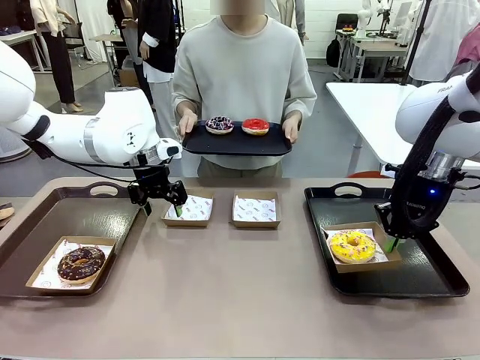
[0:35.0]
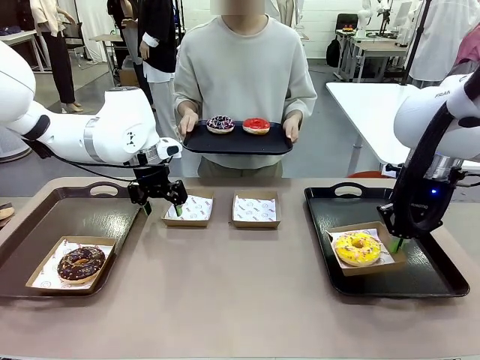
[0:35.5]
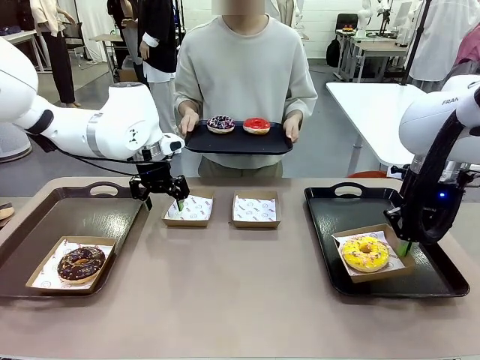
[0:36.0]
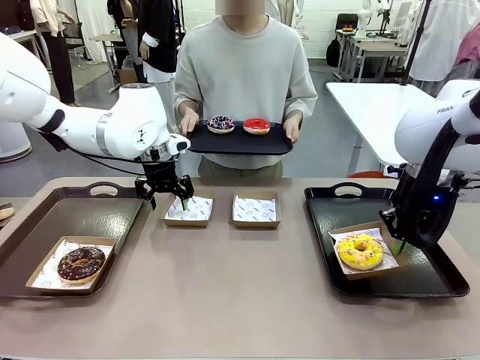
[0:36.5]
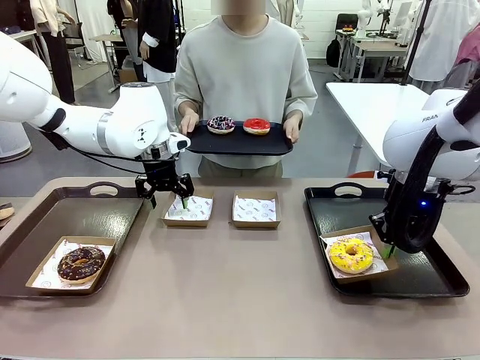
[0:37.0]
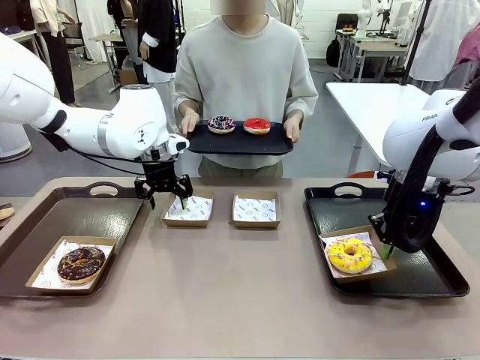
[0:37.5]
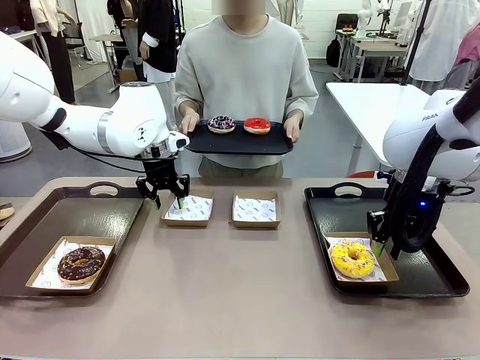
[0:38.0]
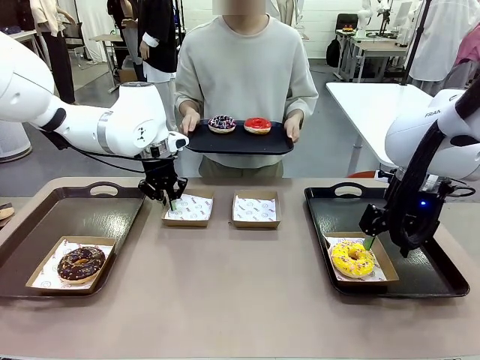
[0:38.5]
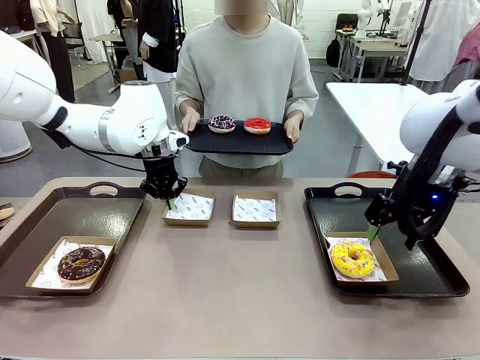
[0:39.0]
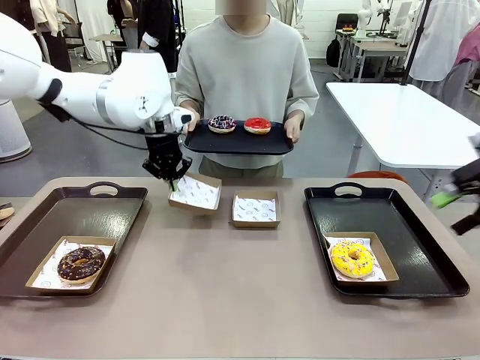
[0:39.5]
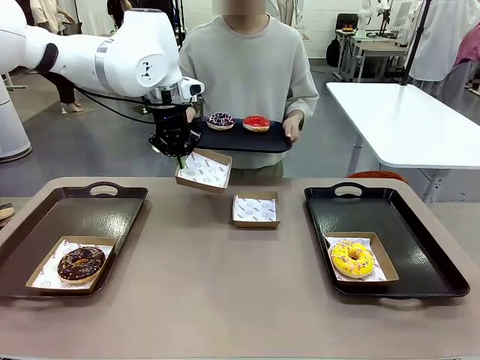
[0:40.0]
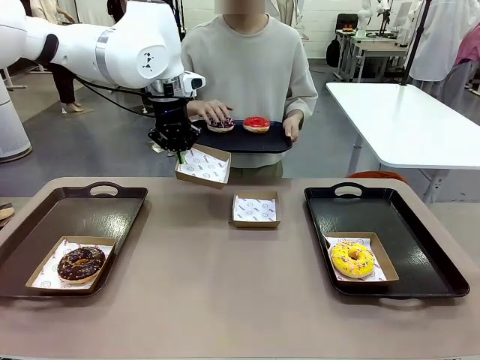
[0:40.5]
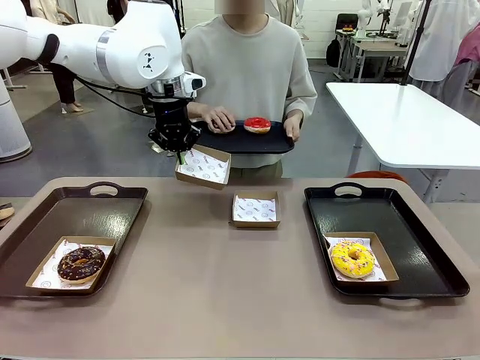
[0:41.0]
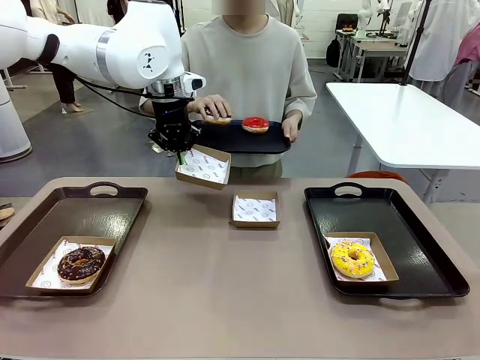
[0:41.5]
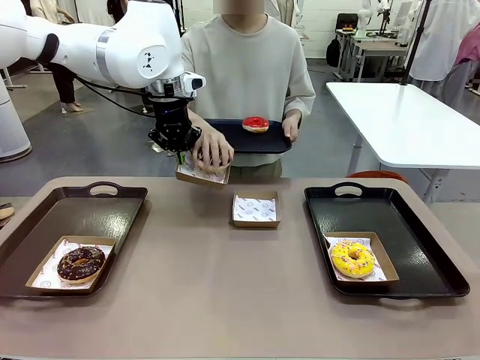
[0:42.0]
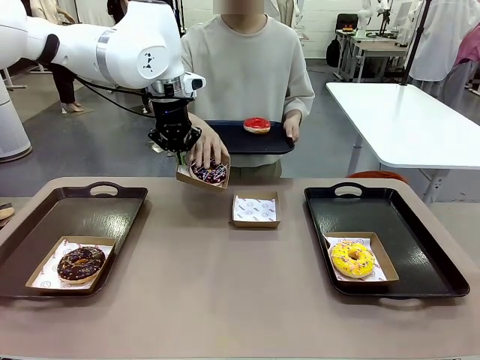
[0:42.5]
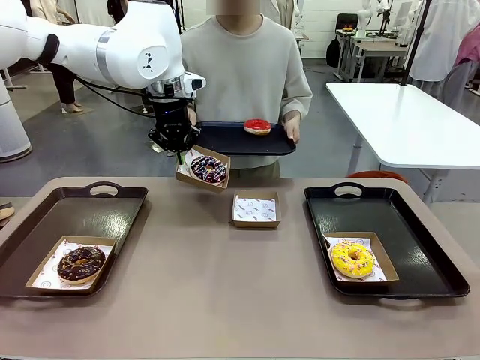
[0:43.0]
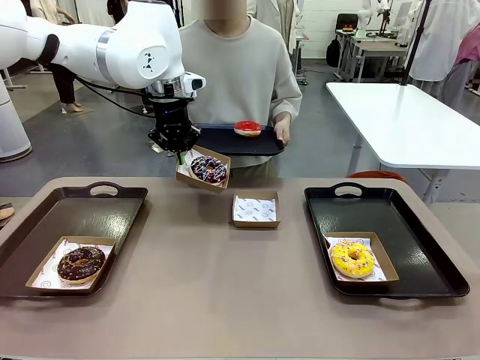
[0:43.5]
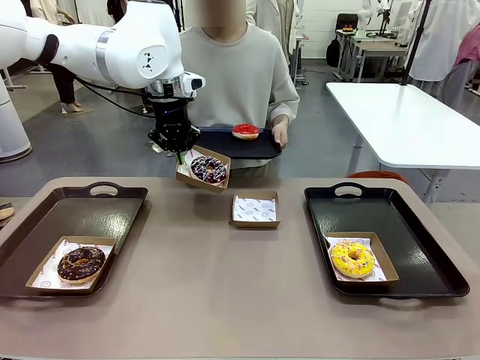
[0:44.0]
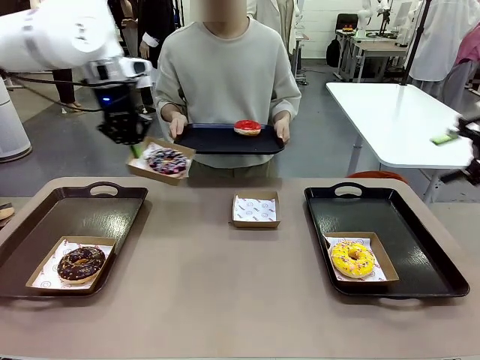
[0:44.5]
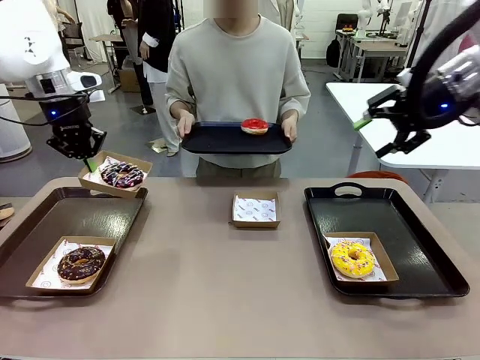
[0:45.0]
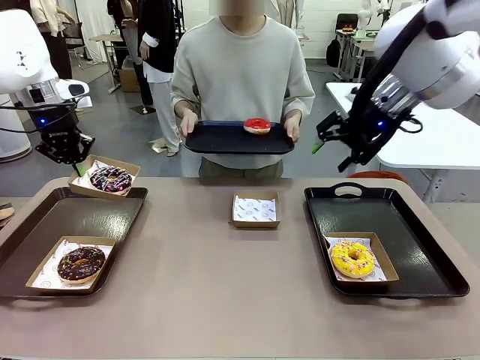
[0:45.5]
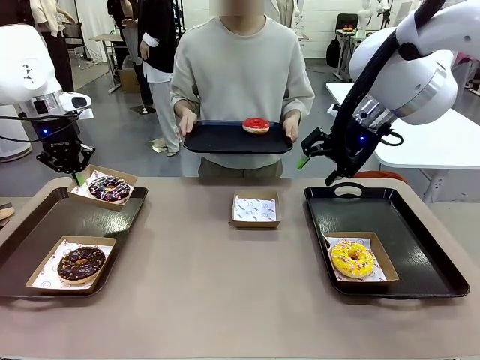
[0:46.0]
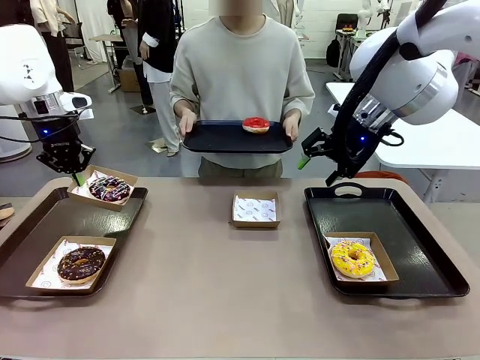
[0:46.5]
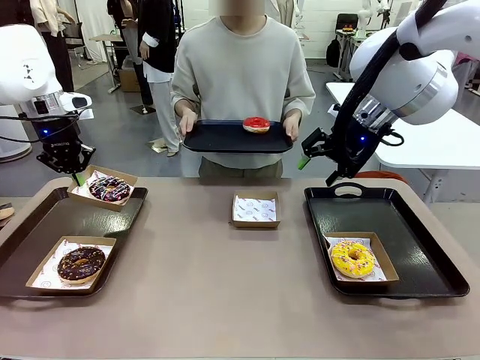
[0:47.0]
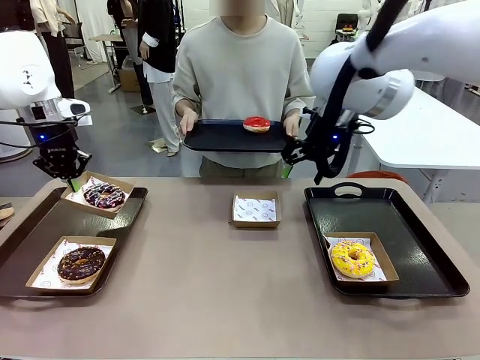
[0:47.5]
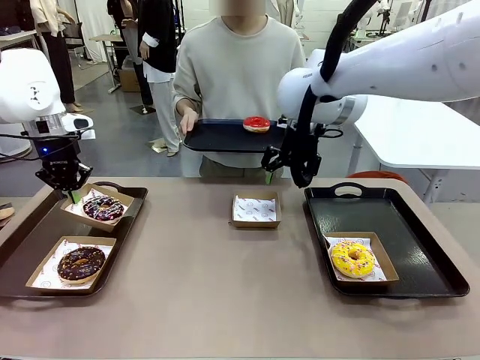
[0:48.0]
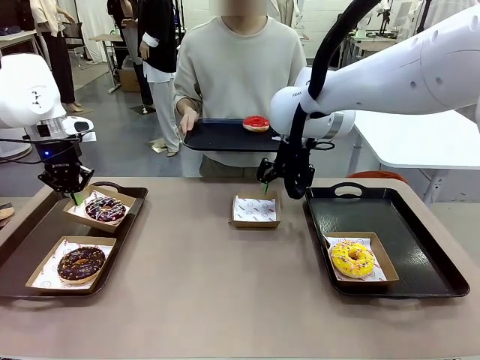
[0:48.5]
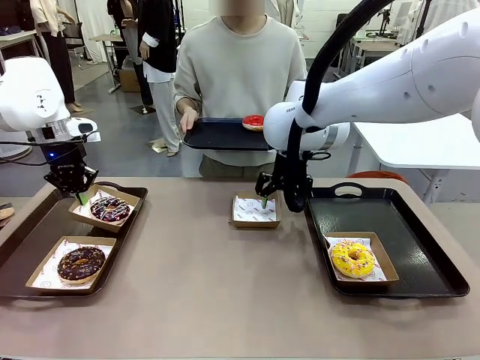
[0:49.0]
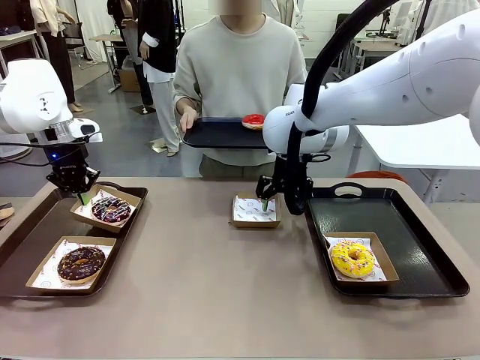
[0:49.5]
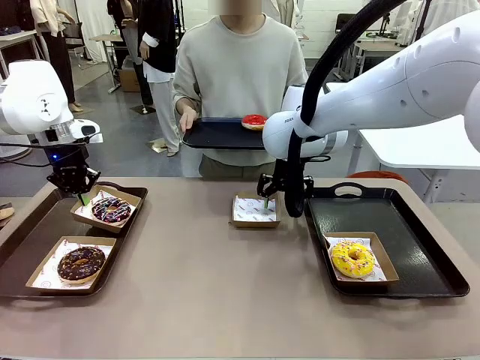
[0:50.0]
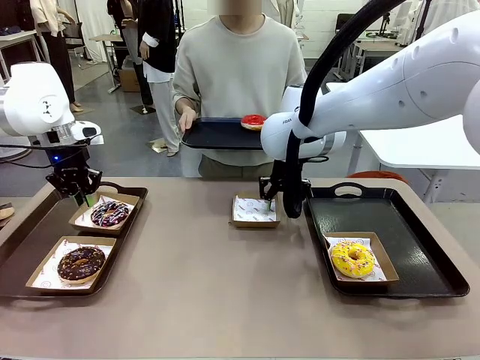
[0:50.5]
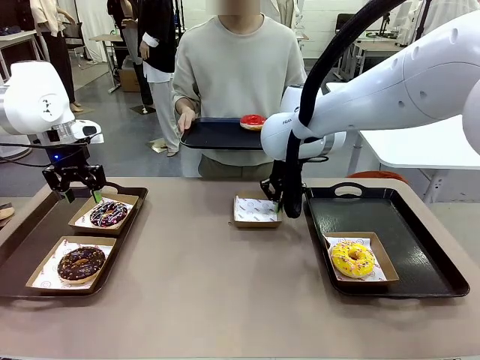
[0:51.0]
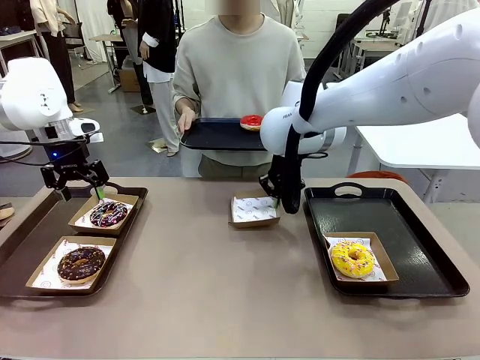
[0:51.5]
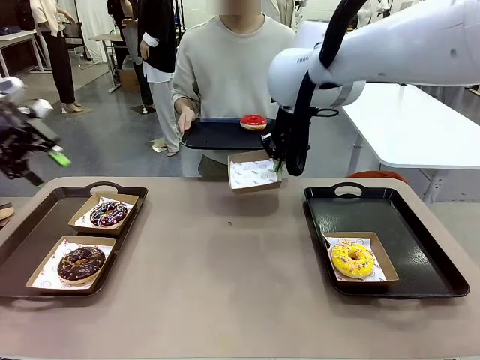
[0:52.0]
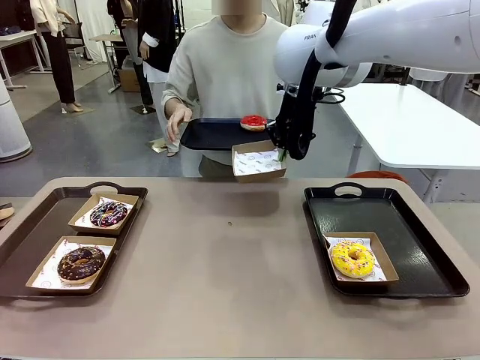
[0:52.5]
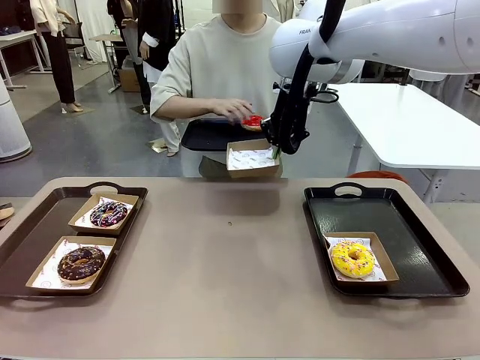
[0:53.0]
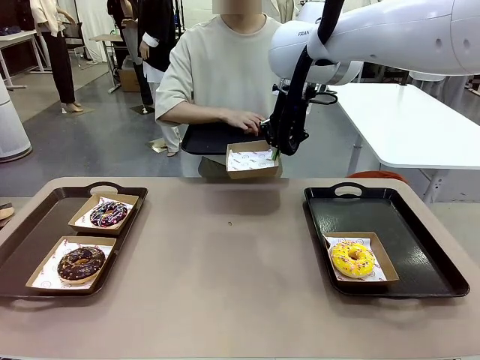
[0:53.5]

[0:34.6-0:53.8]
Task: Individually package the donuts and arrange them on the tray.
Robot: Place the picked Paper togo box on the Handle tray while simultaneously picking up another Paper togo box from the table with the other hand.

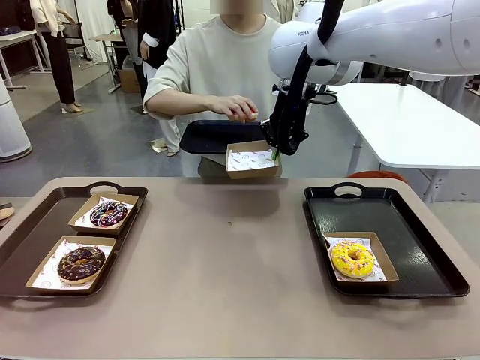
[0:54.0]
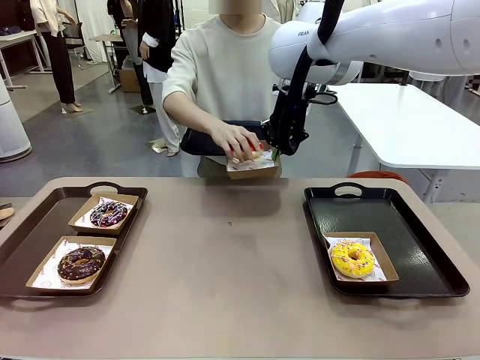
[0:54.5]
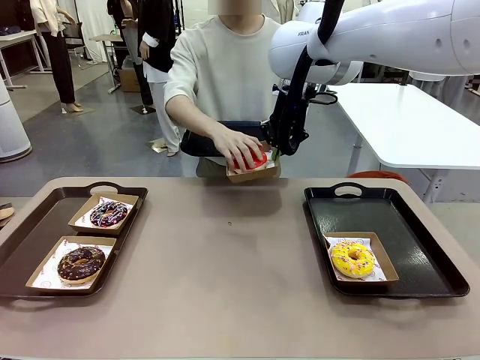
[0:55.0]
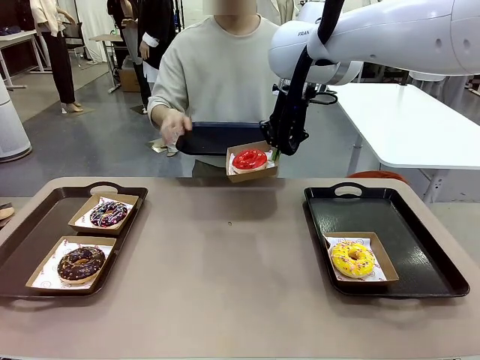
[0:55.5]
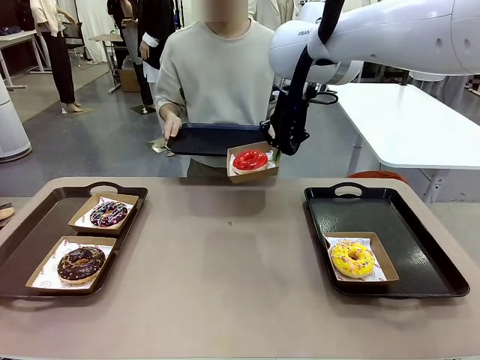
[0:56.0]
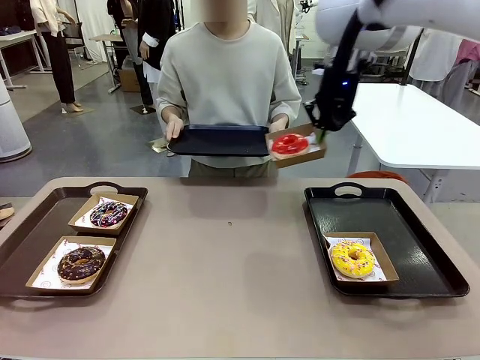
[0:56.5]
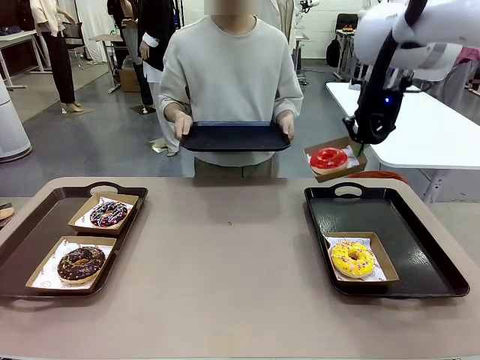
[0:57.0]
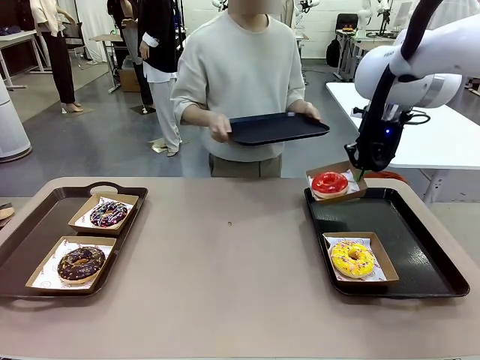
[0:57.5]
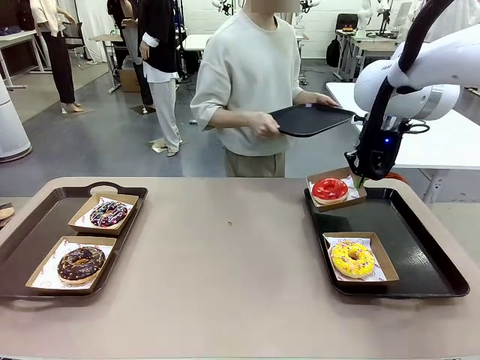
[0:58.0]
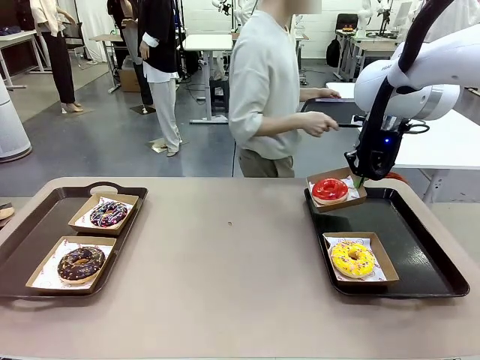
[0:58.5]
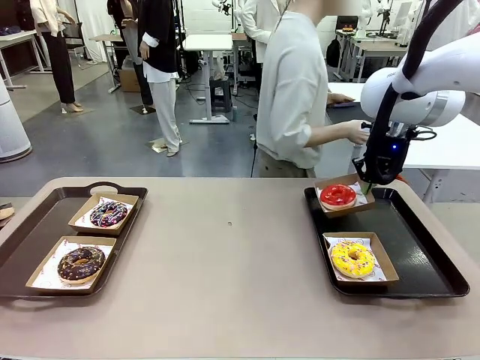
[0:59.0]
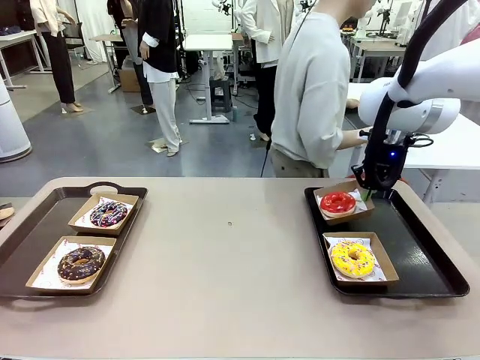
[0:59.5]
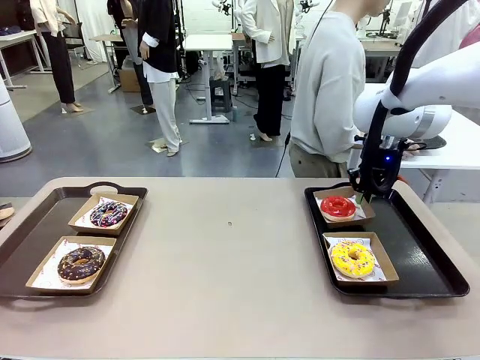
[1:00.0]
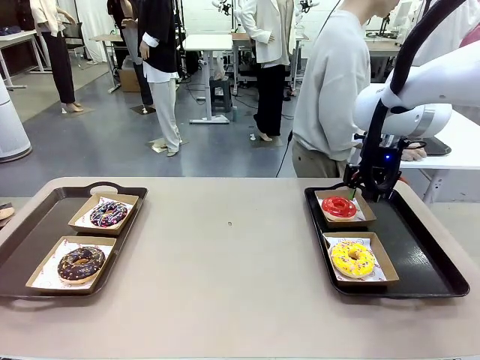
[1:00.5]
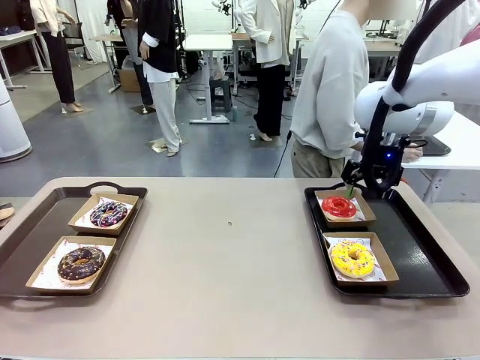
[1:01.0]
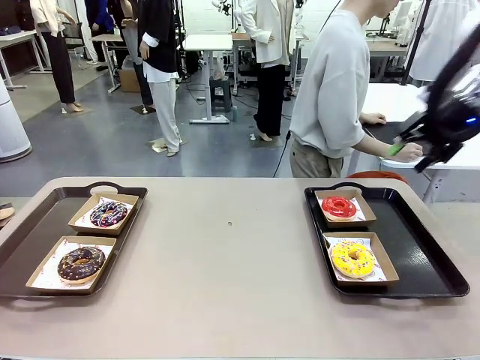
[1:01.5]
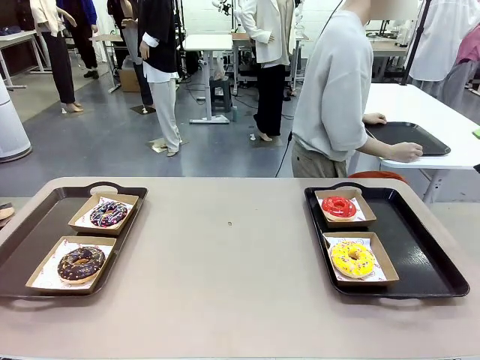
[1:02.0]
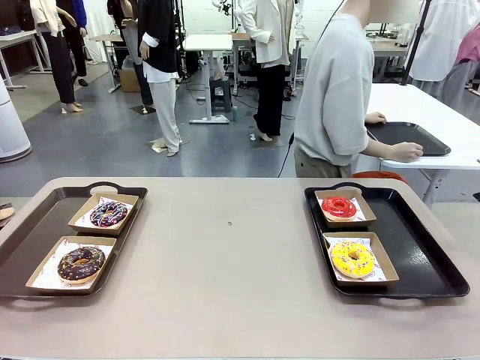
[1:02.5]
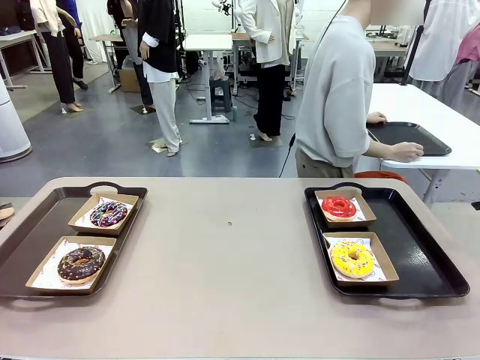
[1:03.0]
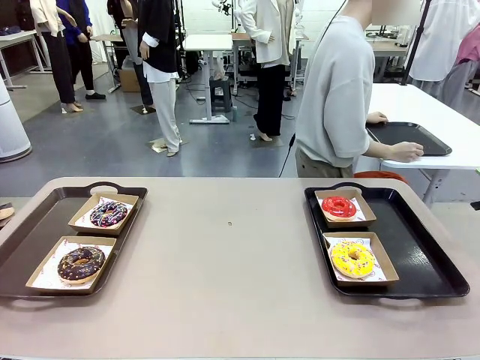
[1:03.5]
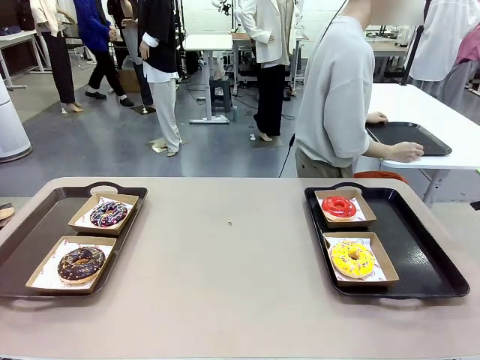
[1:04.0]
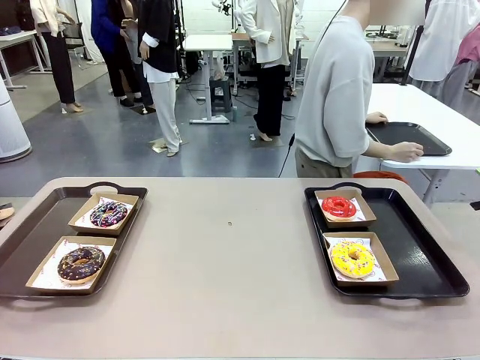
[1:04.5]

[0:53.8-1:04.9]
Robot: Place the picked Paper togo box on the Handle tray.
Person: Place the tray down in the middle of the human table.
